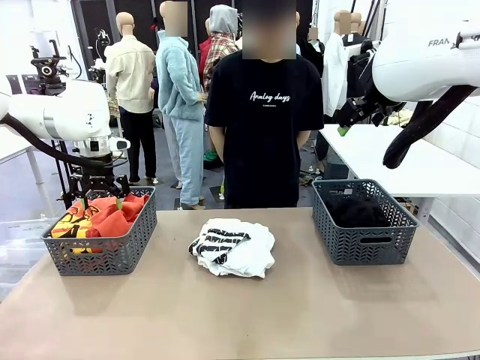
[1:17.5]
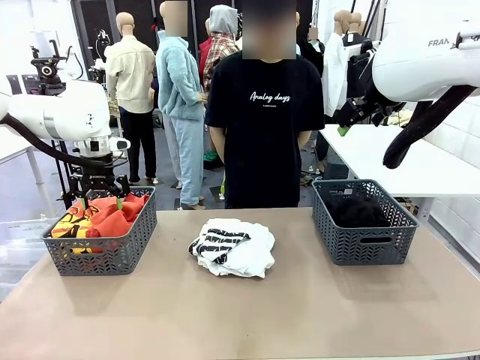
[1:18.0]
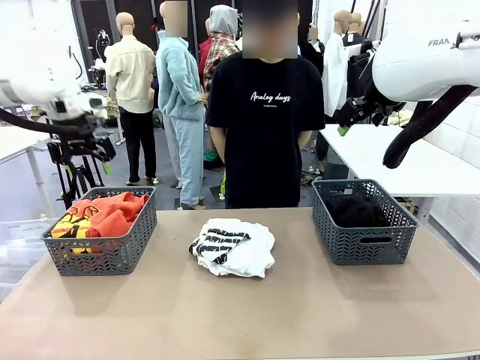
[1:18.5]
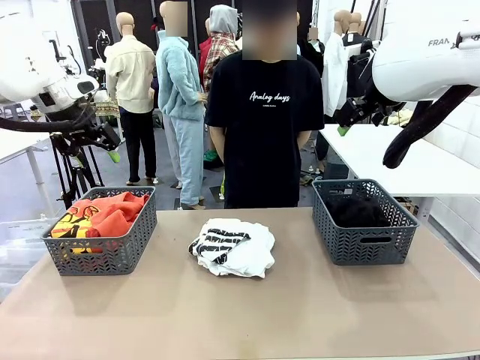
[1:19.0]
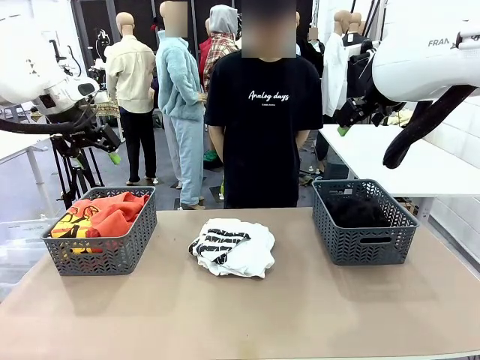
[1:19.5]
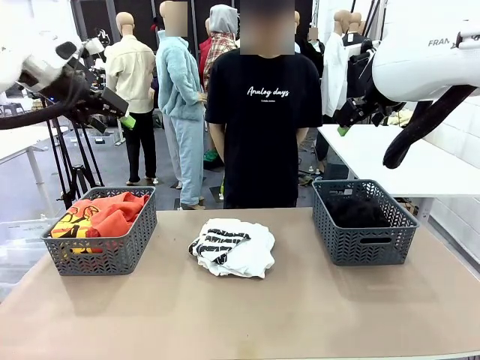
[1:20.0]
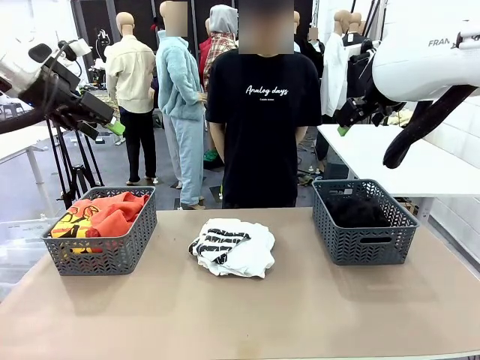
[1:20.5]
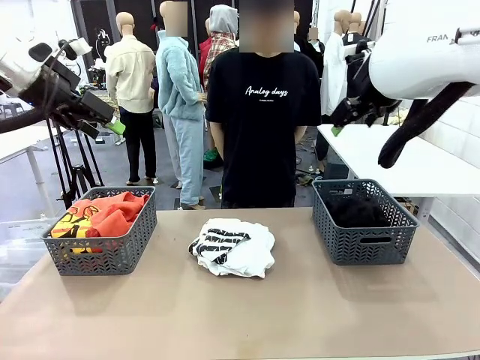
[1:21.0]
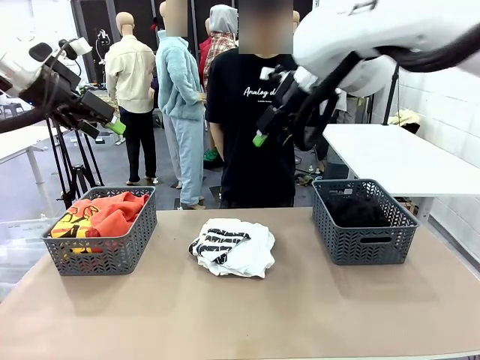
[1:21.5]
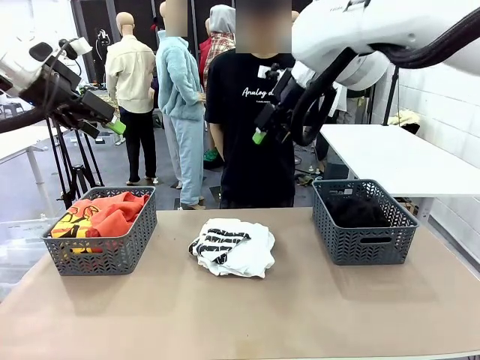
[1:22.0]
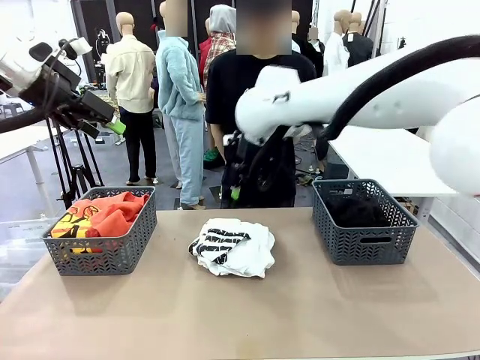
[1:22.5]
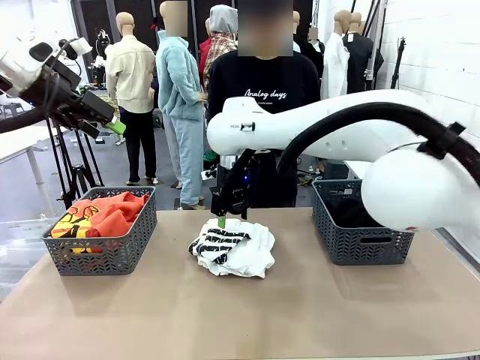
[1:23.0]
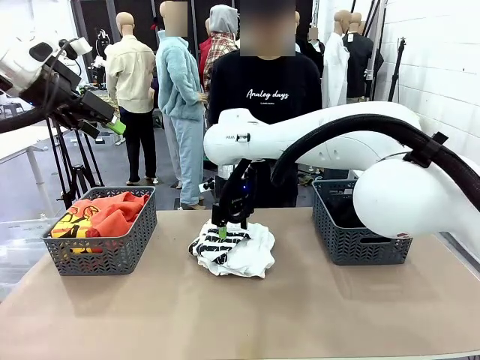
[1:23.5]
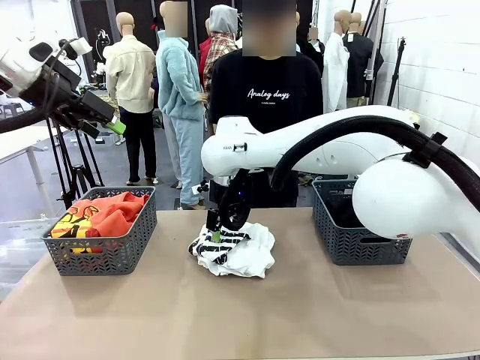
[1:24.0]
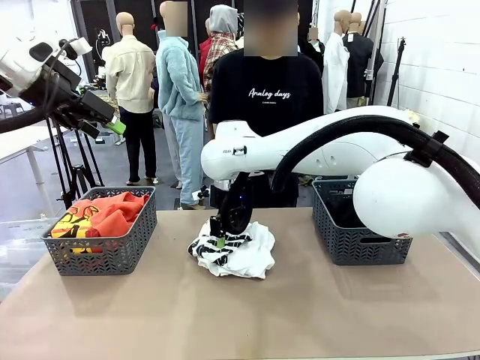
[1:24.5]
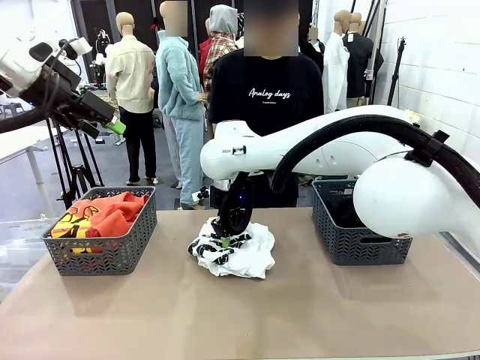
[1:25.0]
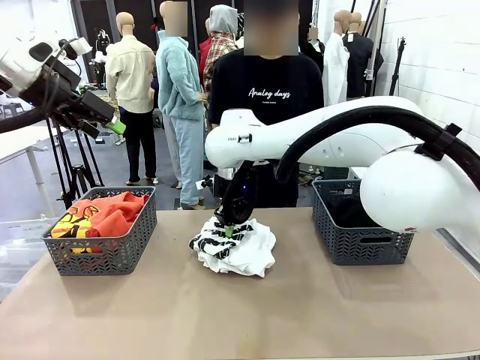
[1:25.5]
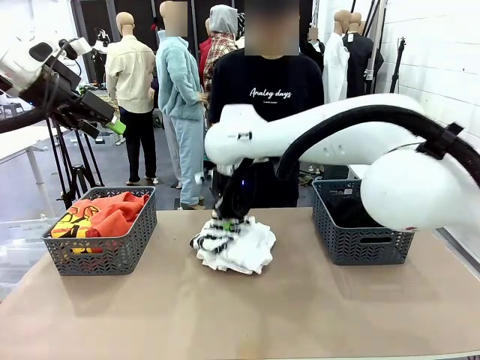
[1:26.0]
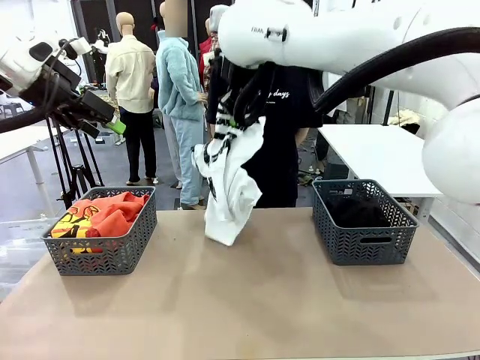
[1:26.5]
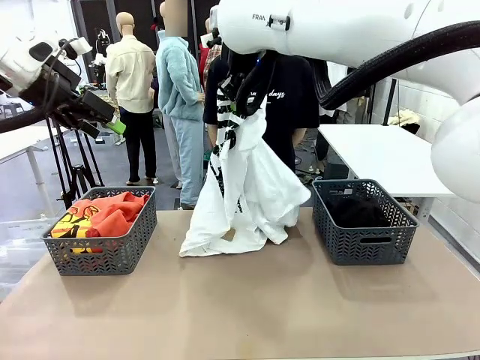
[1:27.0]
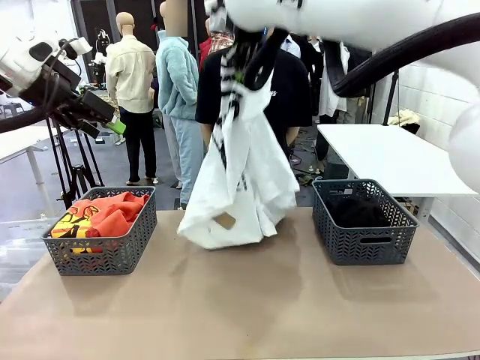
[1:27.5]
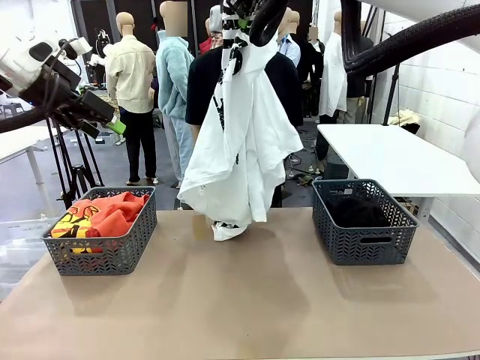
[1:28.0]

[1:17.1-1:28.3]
Task: Sort the tops and bottoms.
Robot: Lift clothes from the center of the table with your right hand.

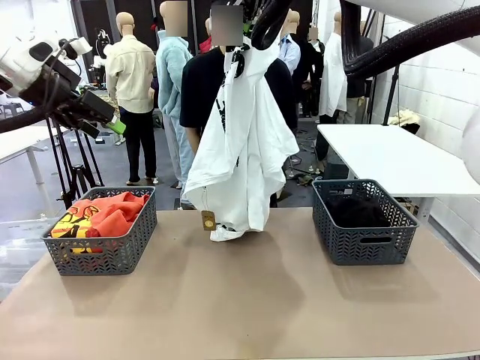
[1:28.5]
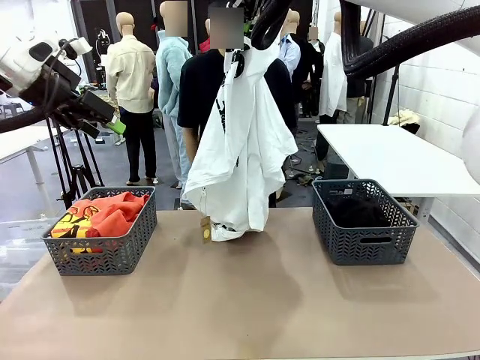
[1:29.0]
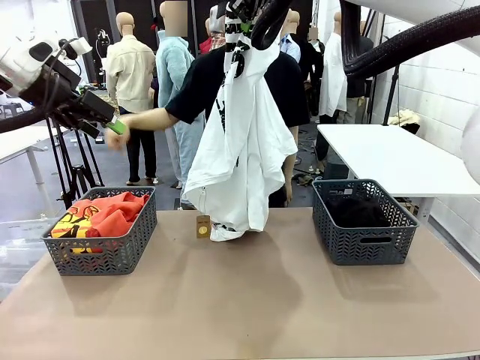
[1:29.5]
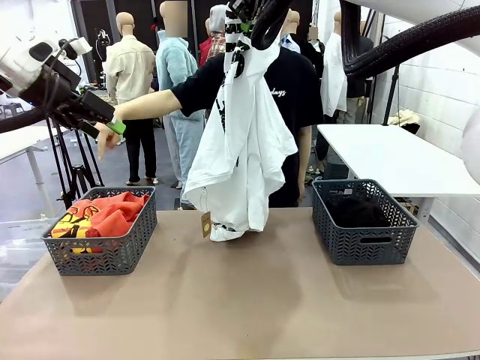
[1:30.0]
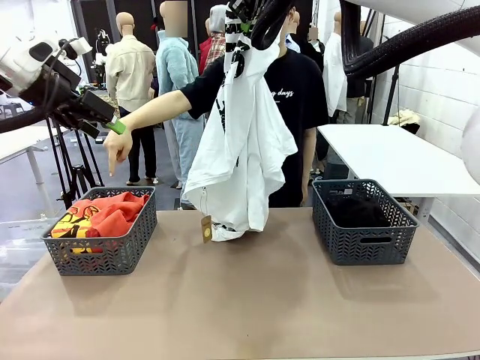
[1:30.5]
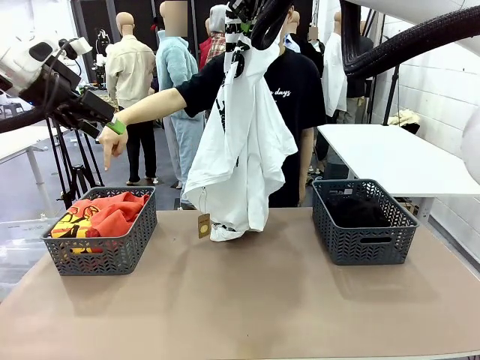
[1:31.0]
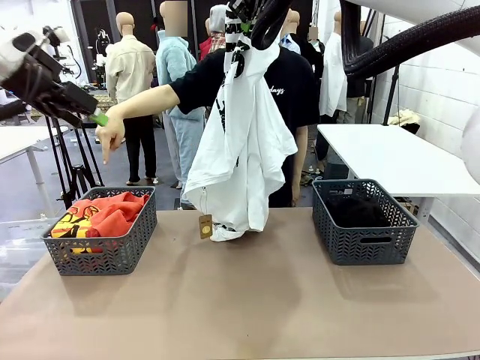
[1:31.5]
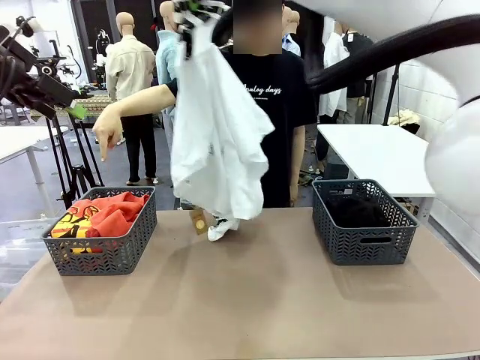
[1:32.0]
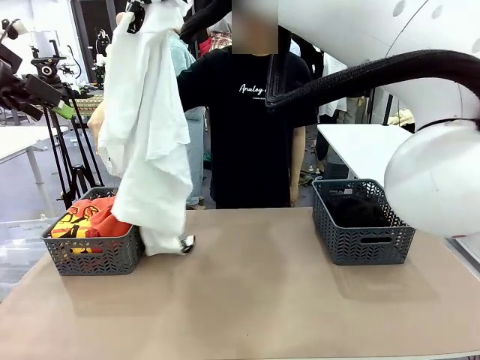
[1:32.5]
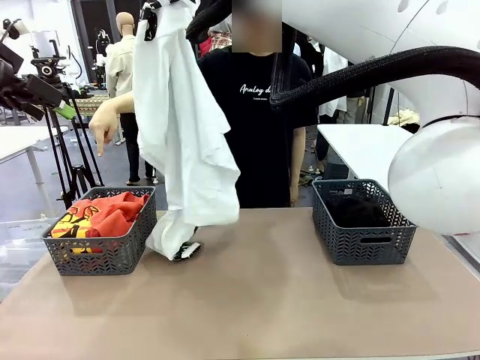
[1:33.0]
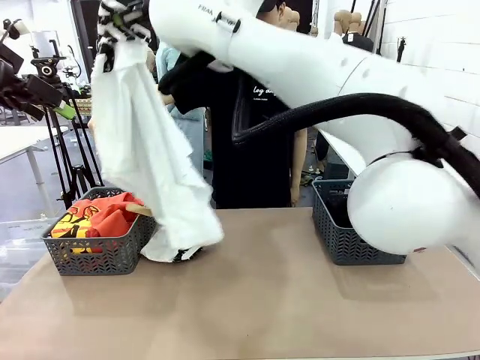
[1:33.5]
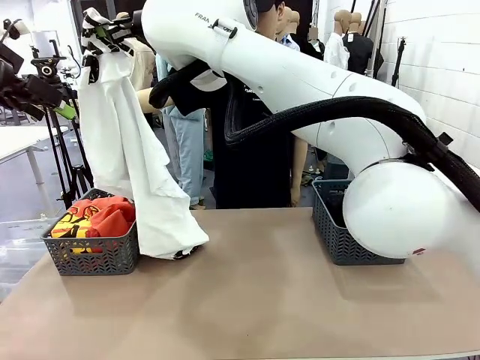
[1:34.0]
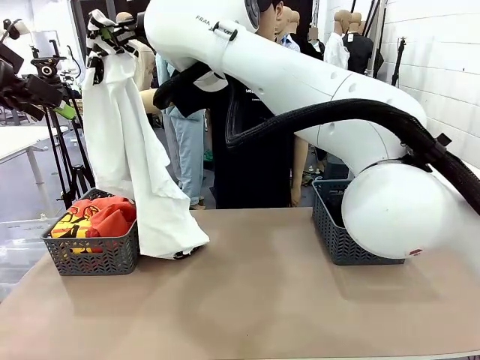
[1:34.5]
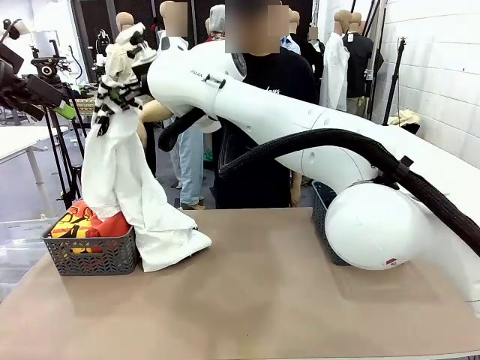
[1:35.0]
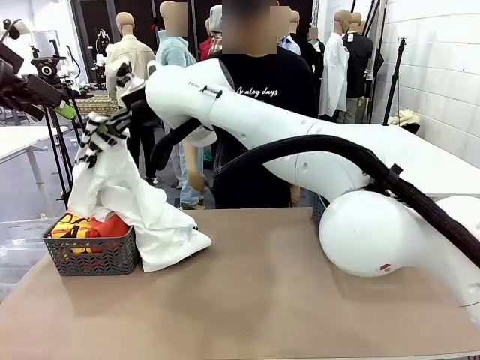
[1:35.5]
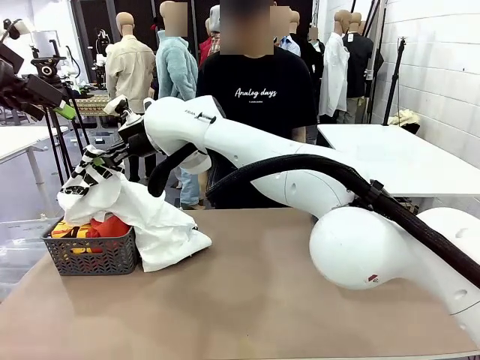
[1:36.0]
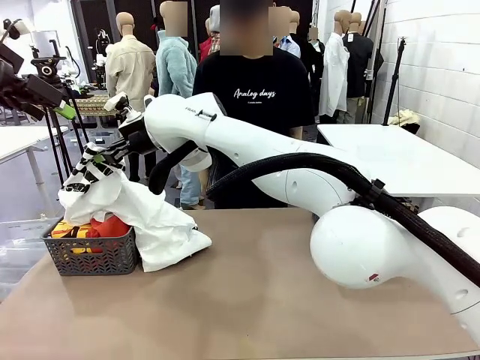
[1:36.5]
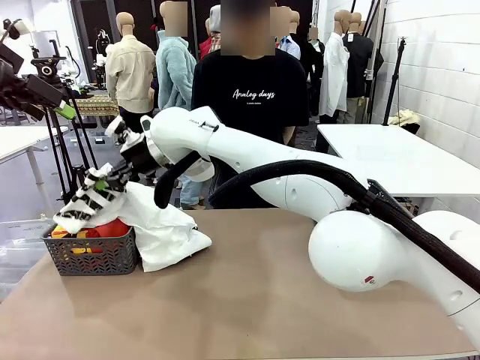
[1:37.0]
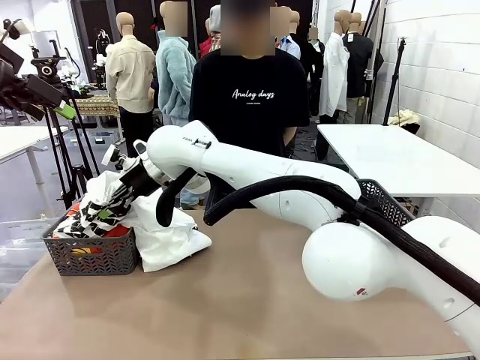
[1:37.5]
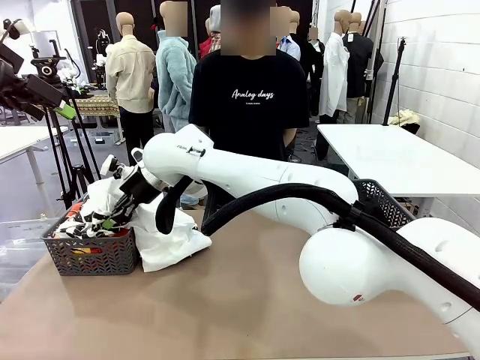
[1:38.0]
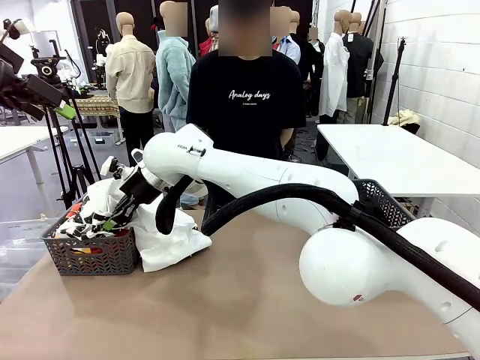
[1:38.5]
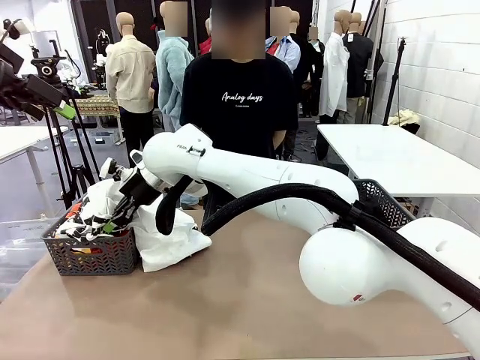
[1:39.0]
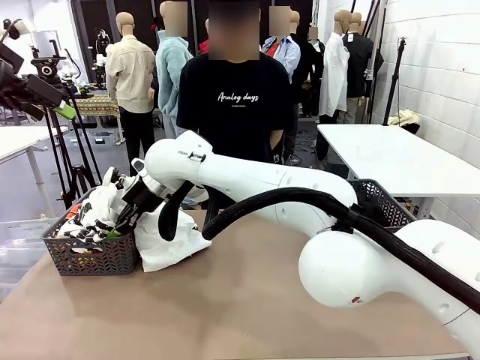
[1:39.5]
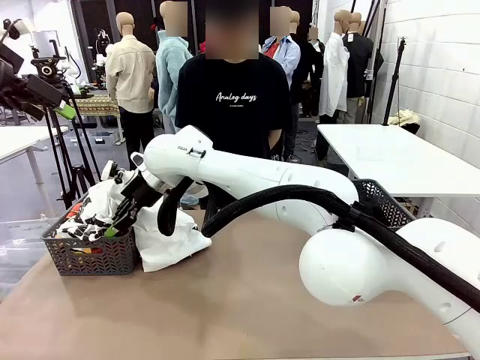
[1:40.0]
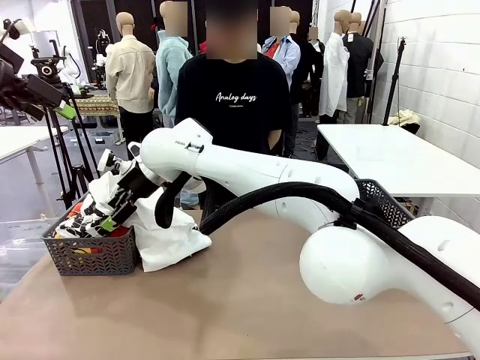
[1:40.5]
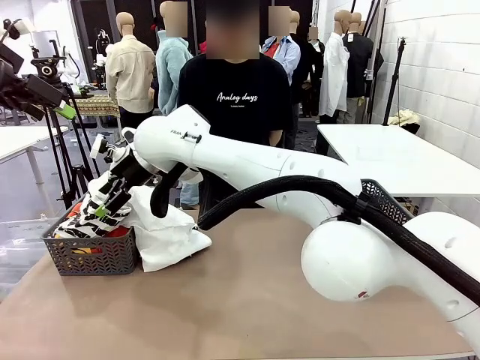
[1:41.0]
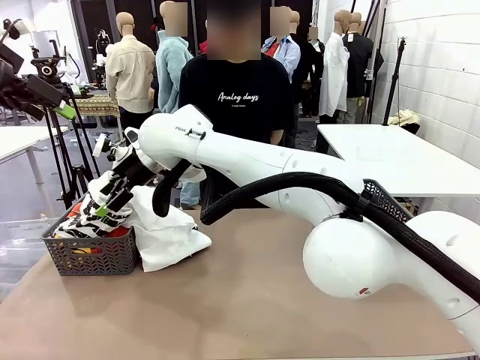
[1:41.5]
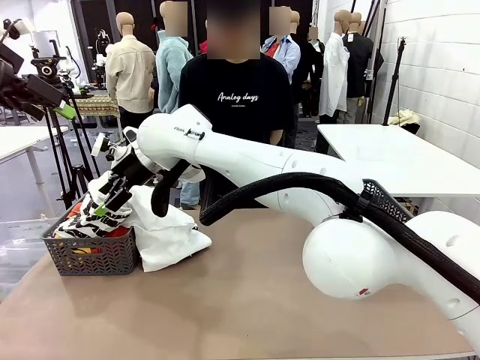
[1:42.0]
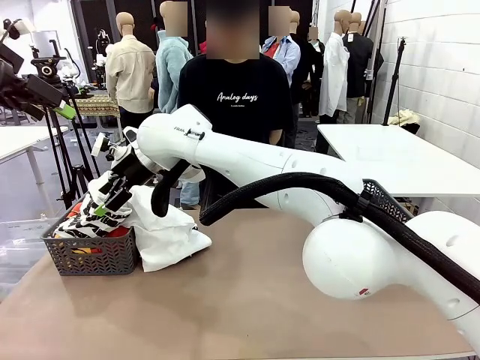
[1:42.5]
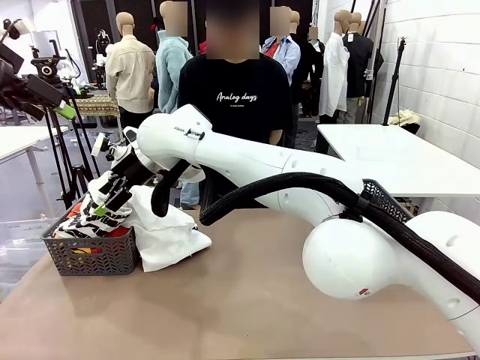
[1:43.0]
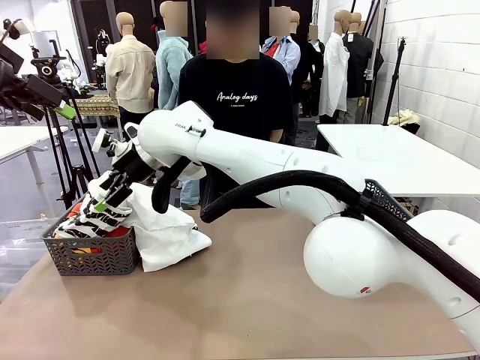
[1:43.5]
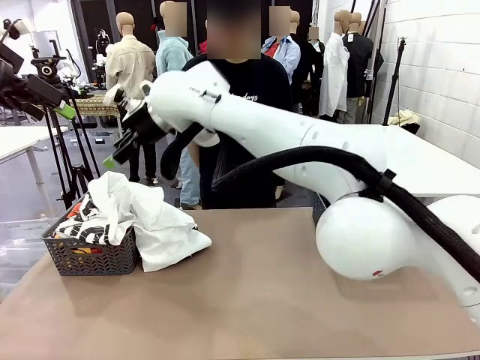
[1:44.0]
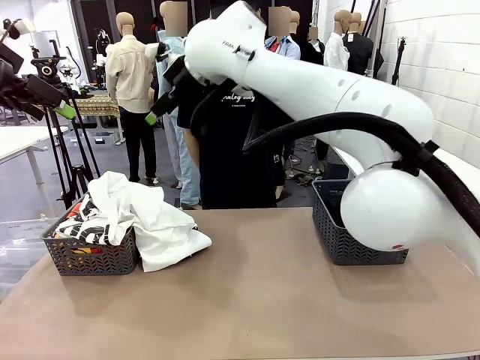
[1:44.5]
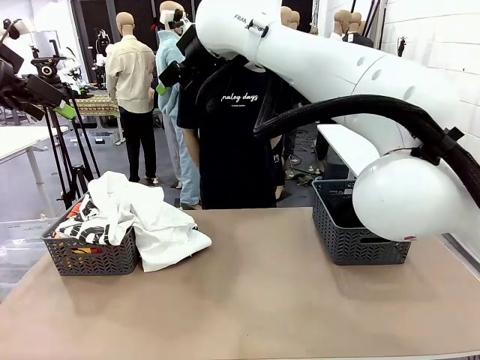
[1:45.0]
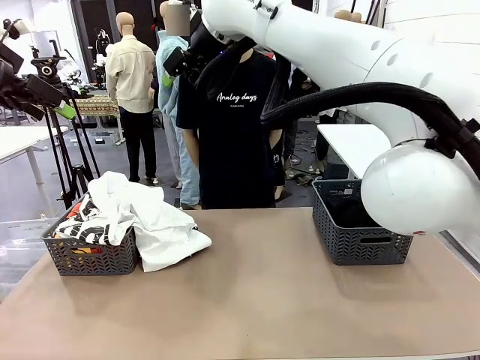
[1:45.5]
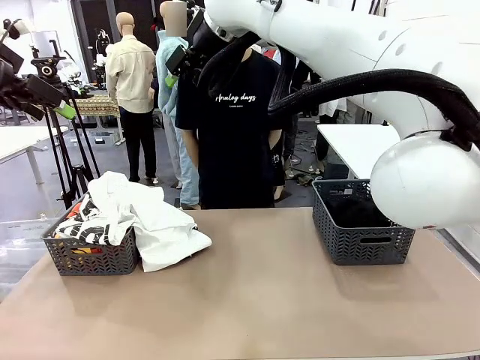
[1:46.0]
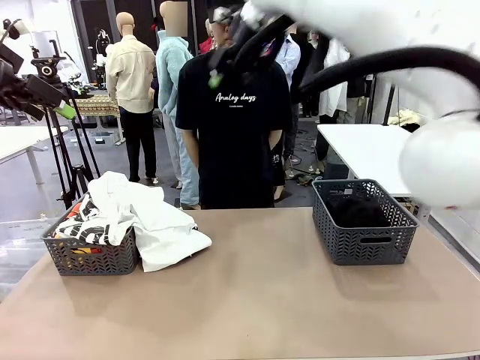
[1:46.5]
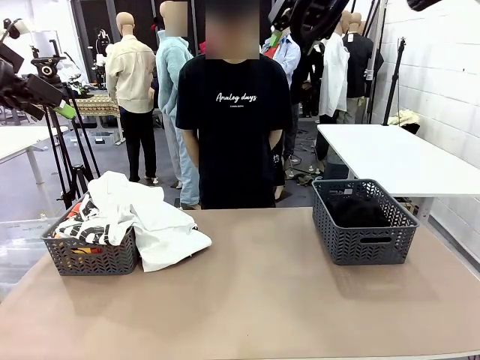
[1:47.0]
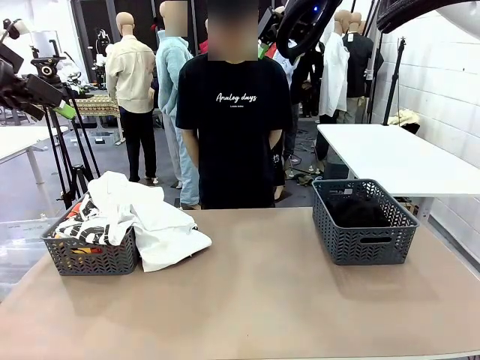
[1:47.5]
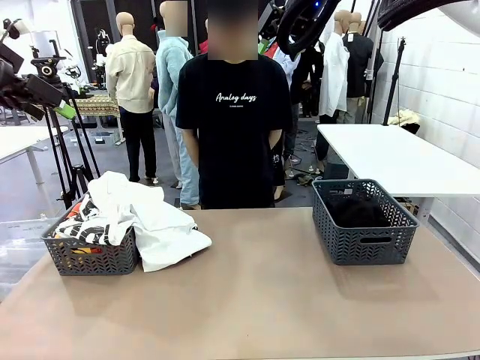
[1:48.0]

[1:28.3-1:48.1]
Robot: Sort the clothes according to human instructions.
